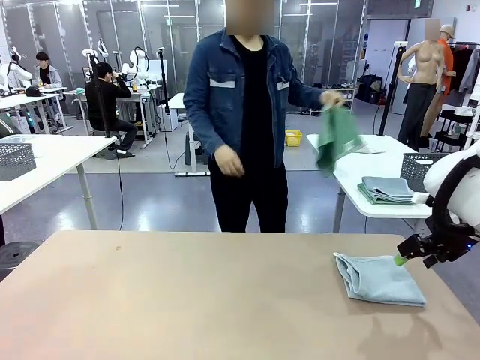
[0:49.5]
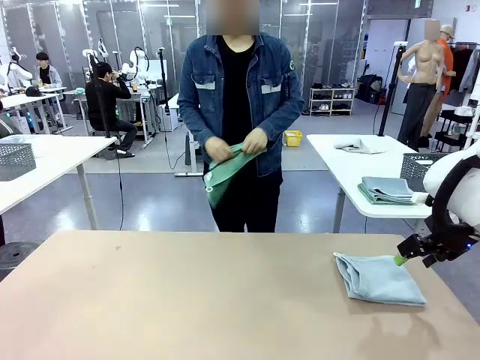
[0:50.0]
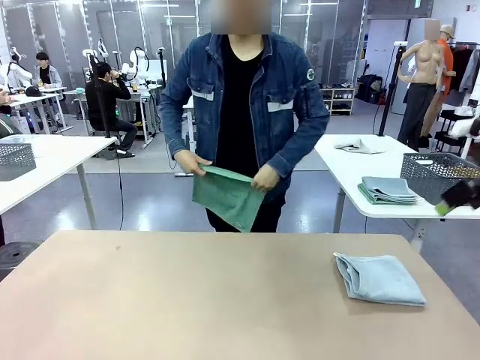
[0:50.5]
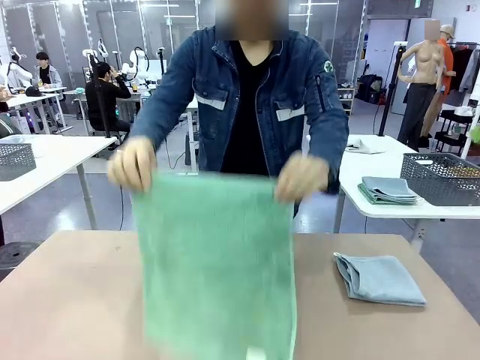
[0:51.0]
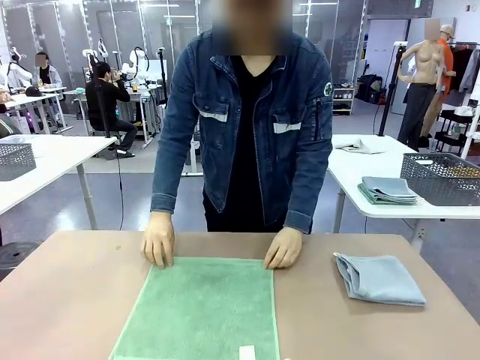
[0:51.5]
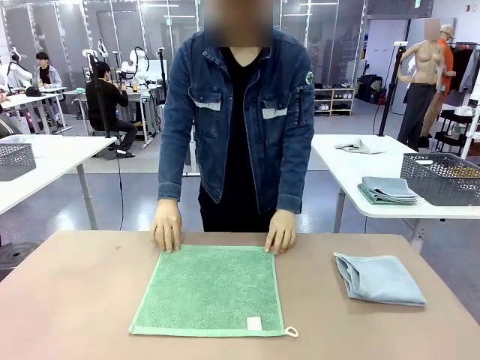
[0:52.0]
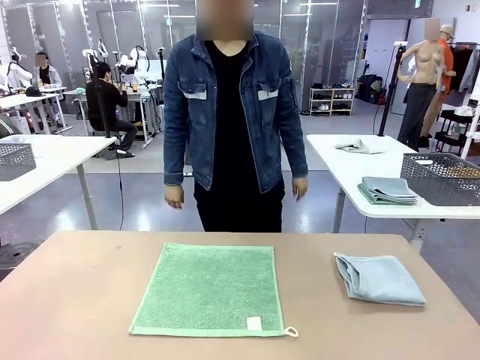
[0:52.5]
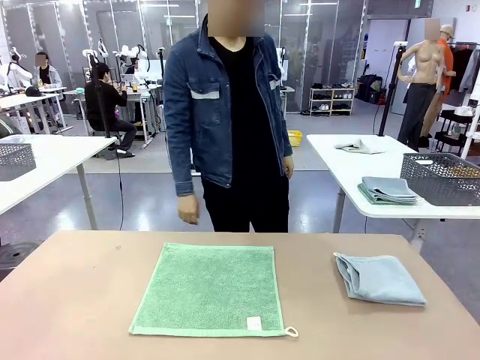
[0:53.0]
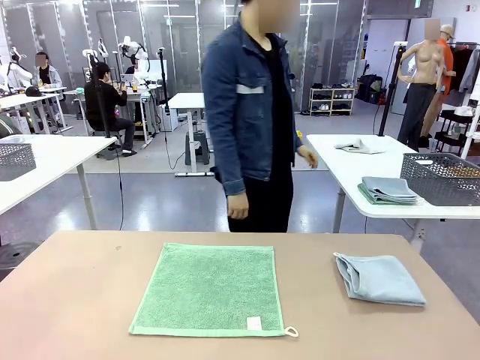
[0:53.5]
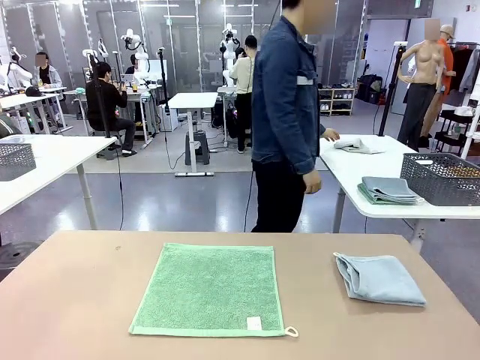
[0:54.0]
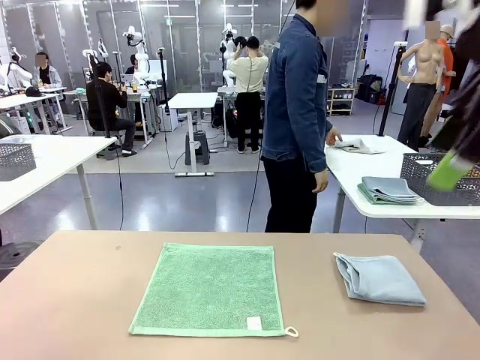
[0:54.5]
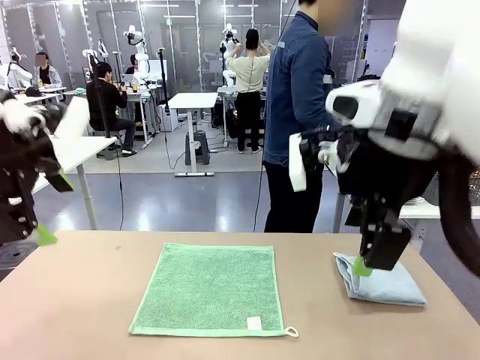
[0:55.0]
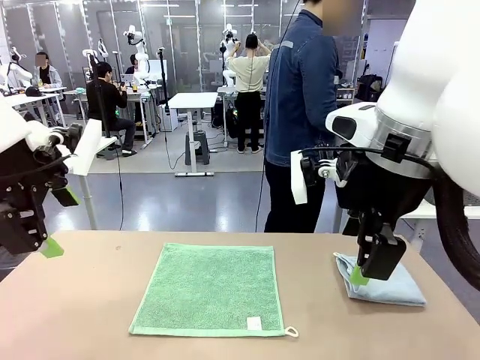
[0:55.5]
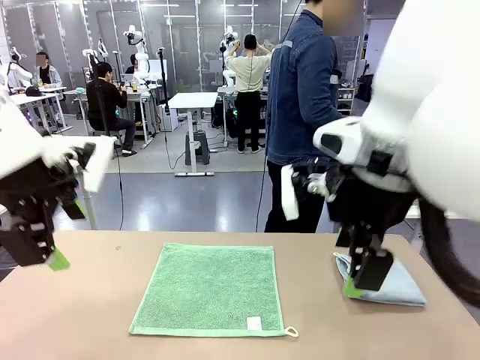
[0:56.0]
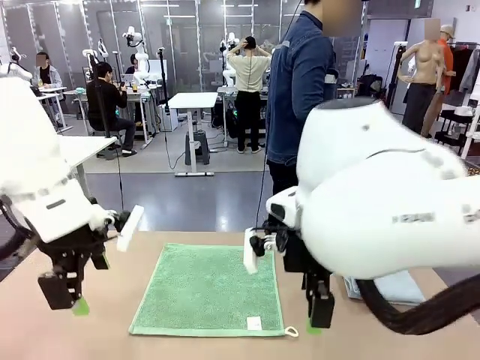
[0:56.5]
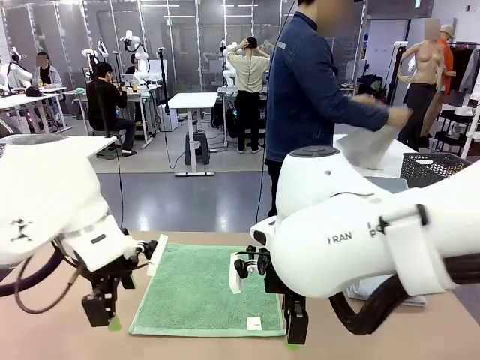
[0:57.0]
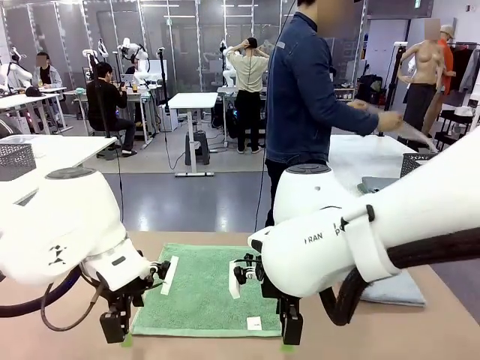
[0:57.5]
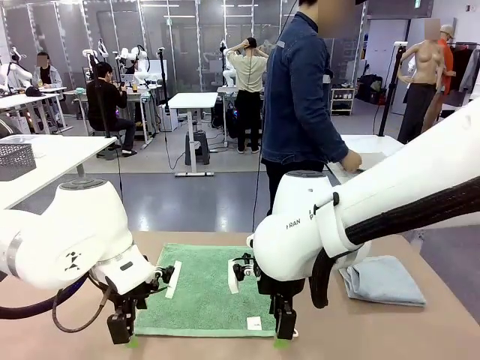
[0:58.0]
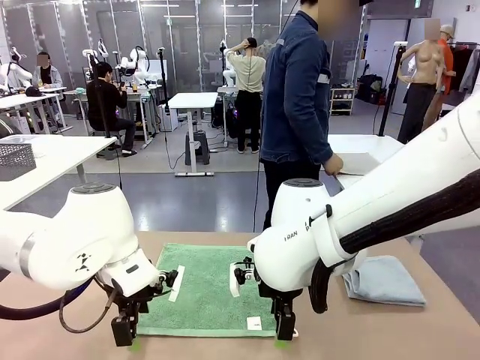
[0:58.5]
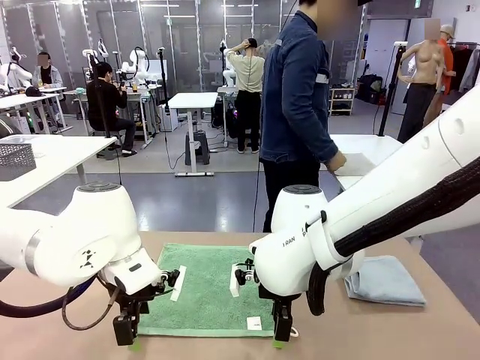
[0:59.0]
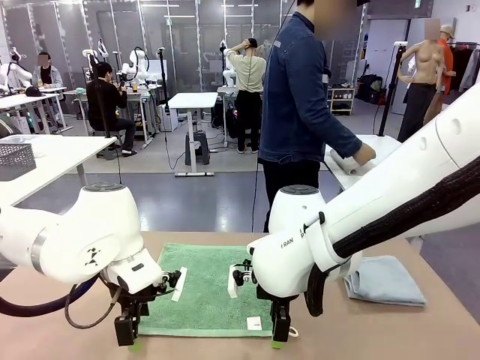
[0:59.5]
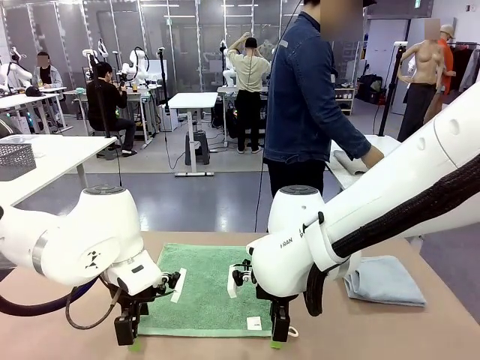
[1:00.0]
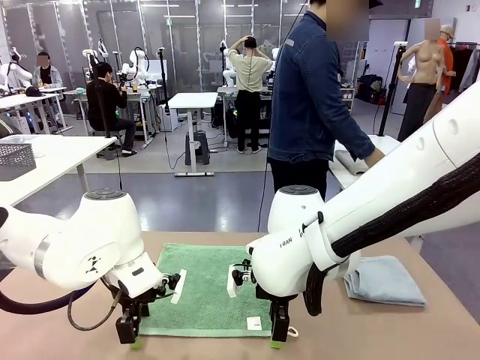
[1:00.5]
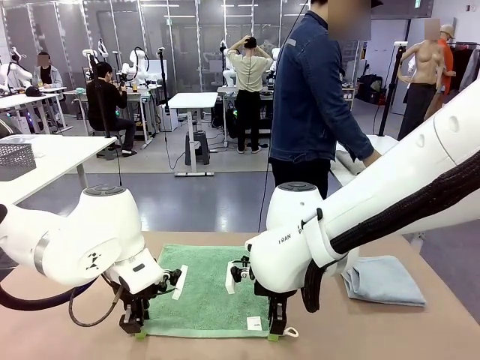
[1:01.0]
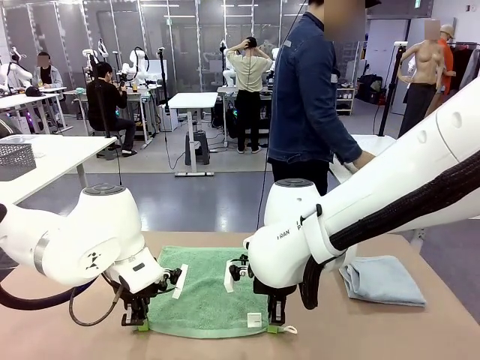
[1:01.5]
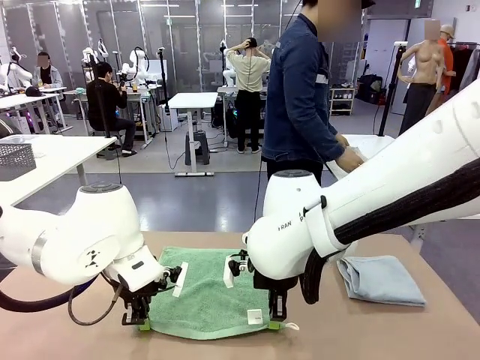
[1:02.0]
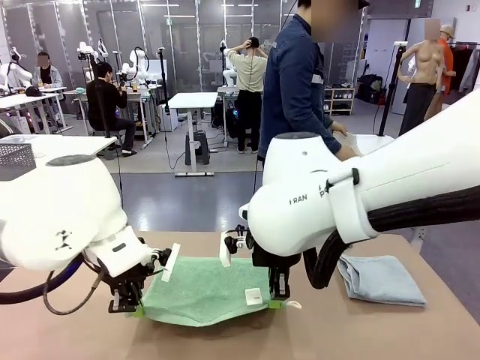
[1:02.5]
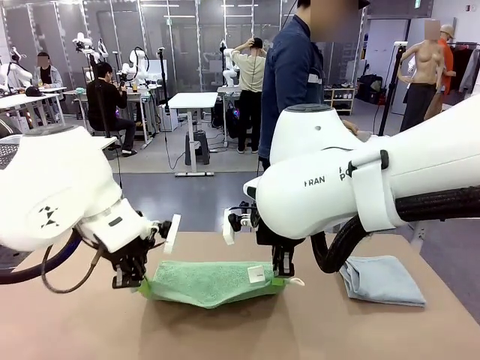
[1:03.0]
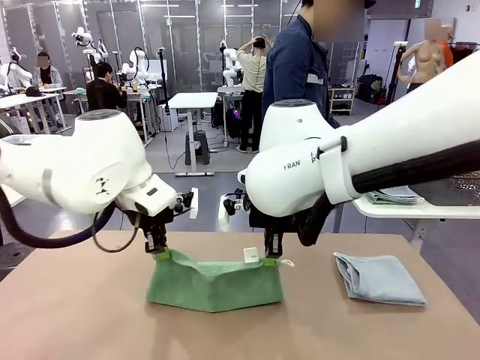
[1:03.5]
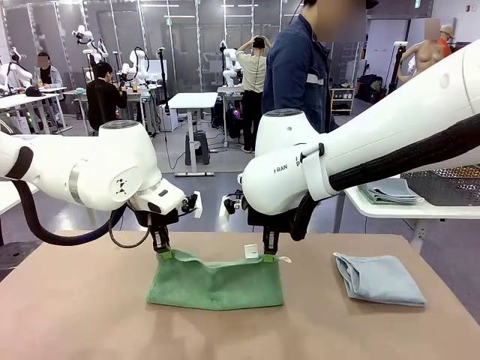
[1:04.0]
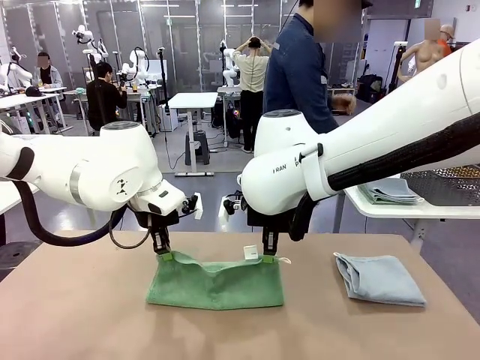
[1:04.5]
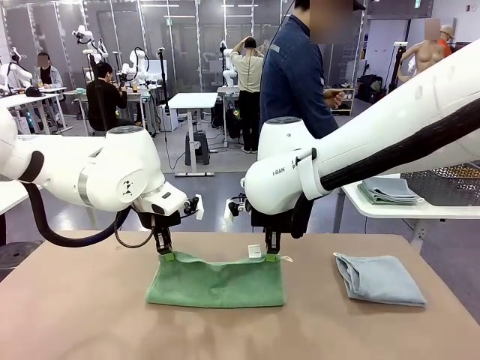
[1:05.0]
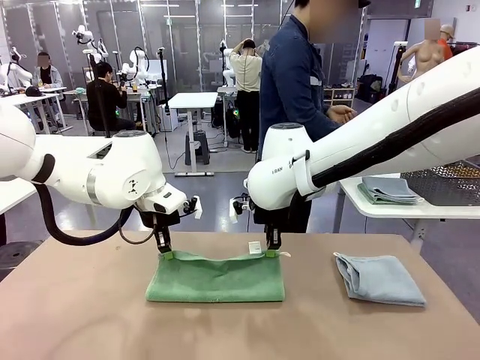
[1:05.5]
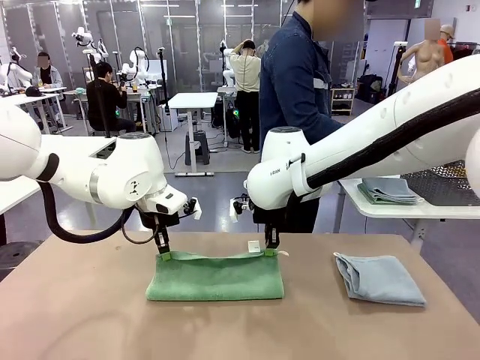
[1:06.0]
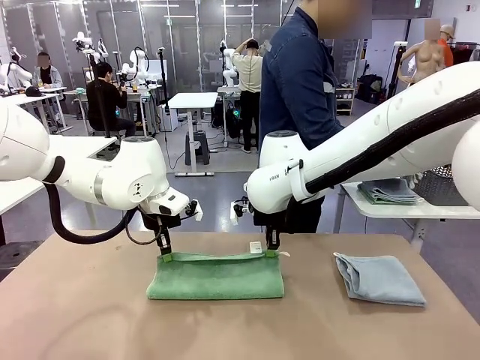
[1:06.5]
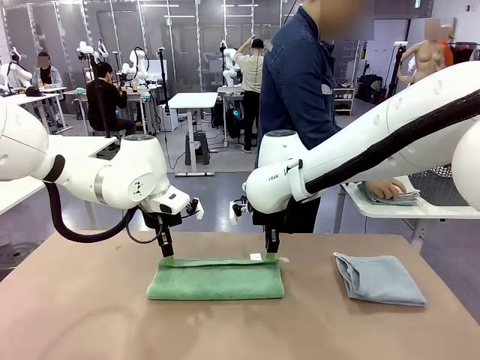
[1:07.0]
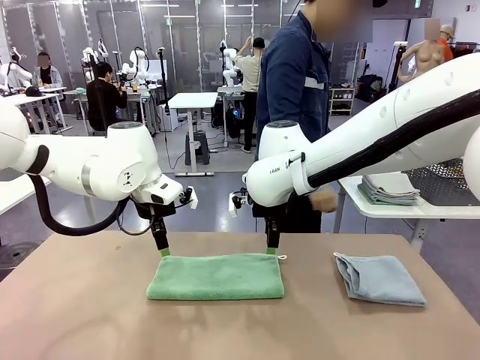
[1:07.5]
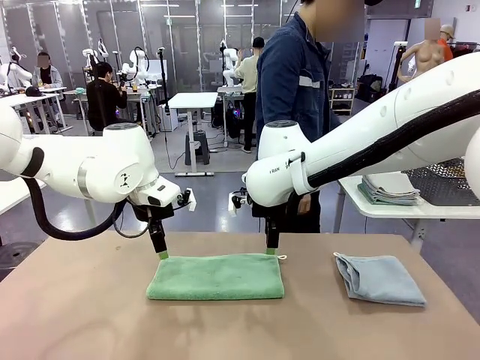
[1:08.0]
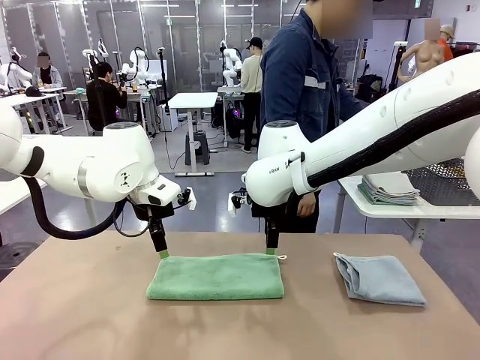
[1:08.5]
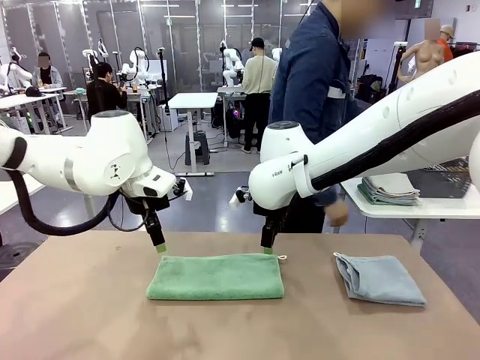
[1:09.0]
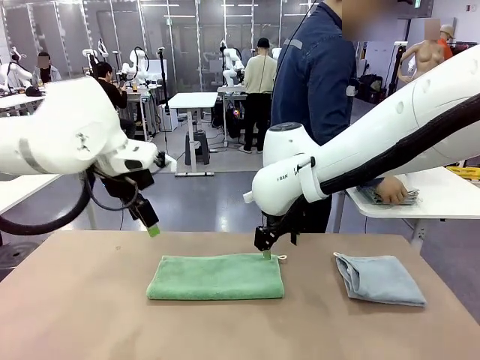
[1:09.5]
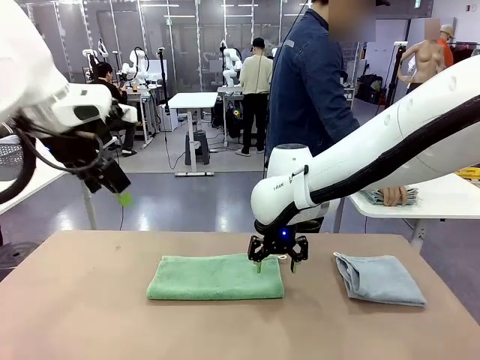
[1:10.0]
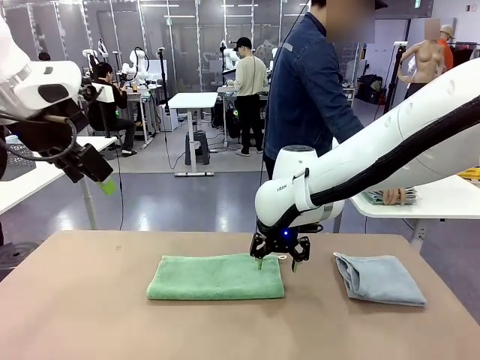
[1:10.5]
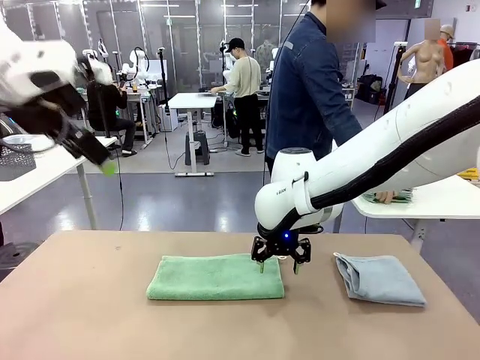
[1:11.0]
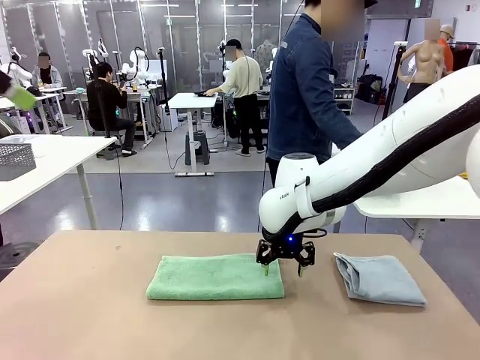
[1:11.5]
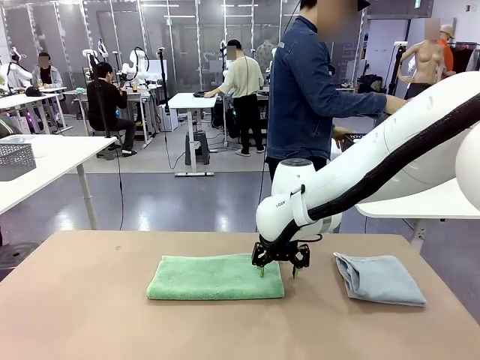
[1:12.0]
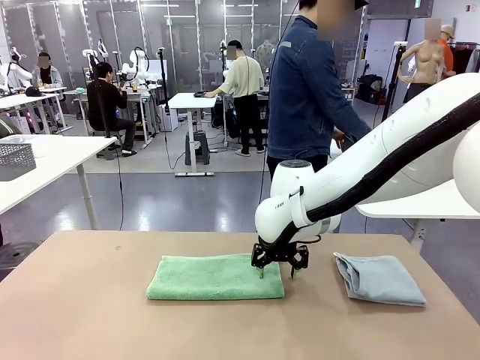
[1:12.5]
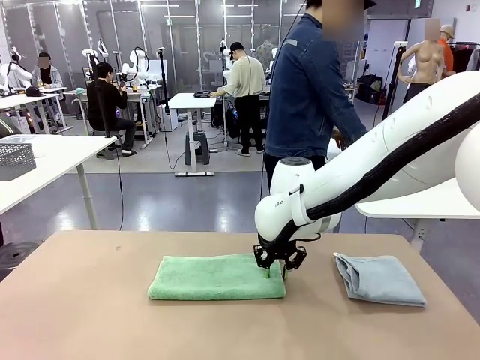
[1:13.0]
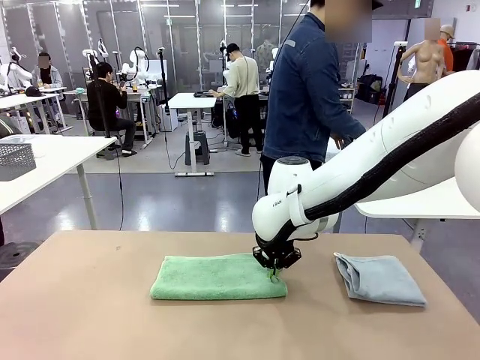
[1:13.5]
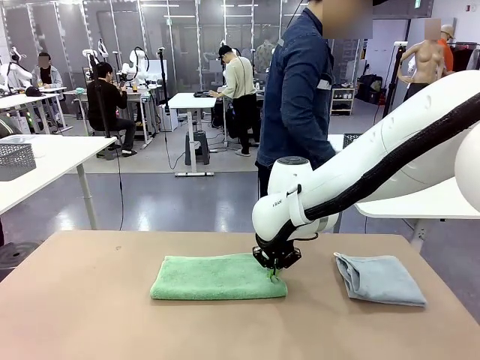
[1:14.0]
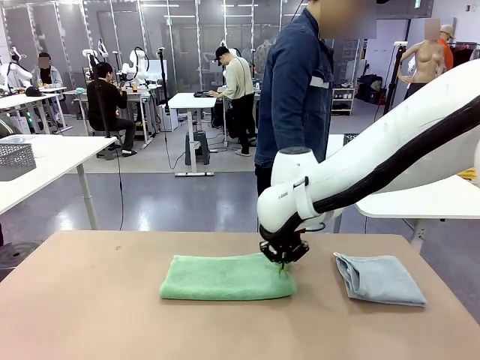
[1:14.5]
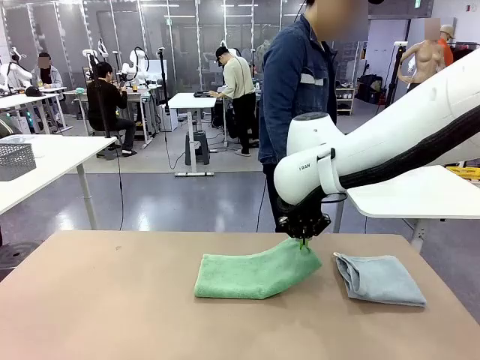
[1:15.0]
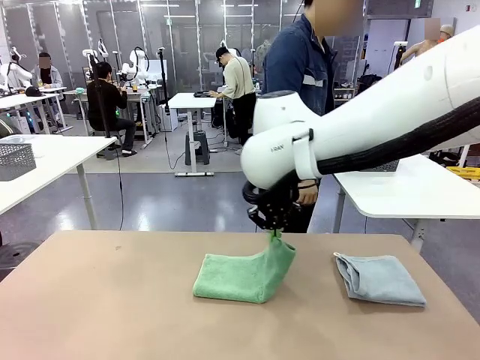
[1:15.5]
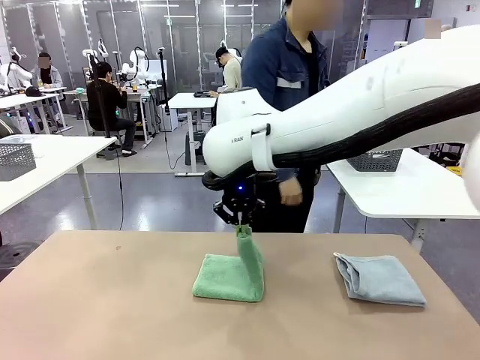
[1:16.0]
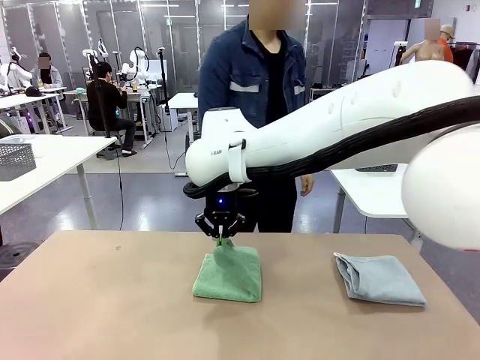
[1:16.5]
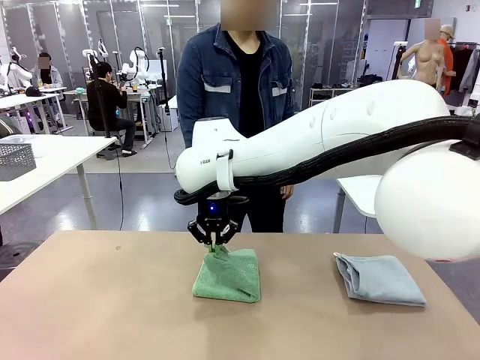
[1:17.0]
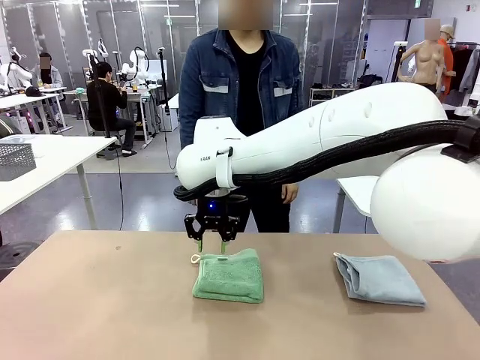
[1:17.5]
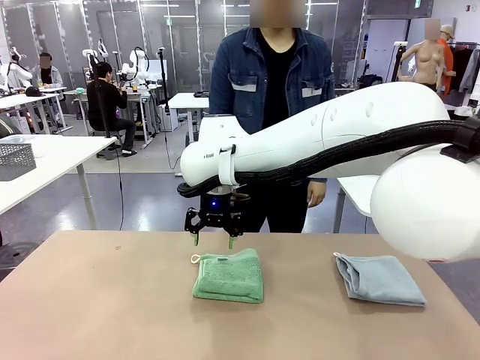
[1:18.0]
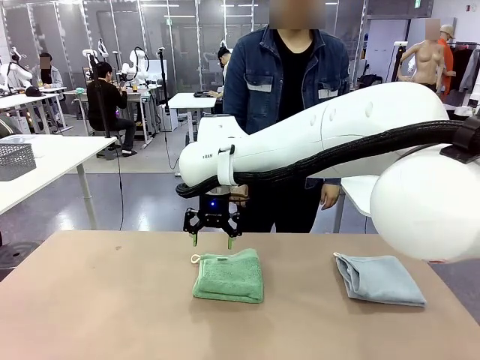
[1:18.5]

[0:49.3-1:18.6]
Task: Fold the towels and place them in the basket.
Robot: When a person lays out a Towel with hook on the table, fold it in half twice.
Person: Pick up one towel from the left side of the human table, fold it in half twice, and stack it on the right side of the table. Pick up the stack of towels from the right side of the human table, place it into the basket, and put the basket at the center of the table.
